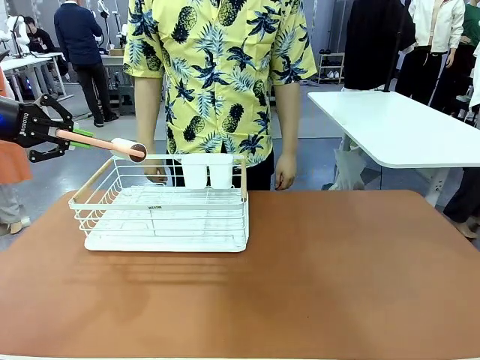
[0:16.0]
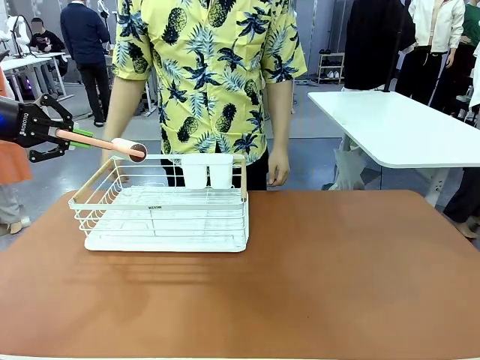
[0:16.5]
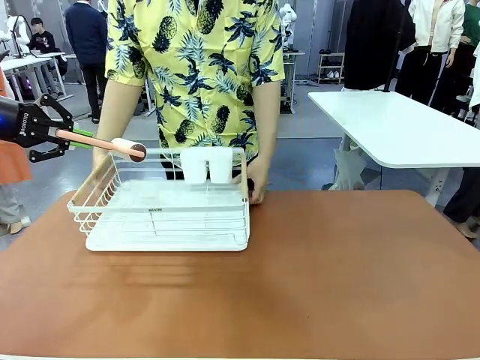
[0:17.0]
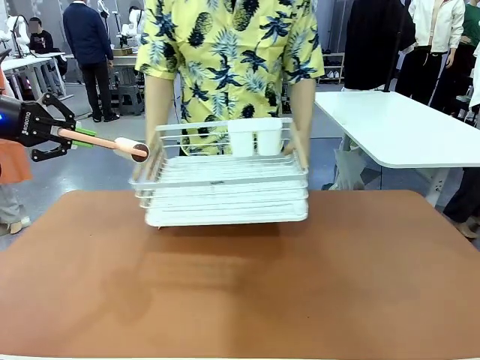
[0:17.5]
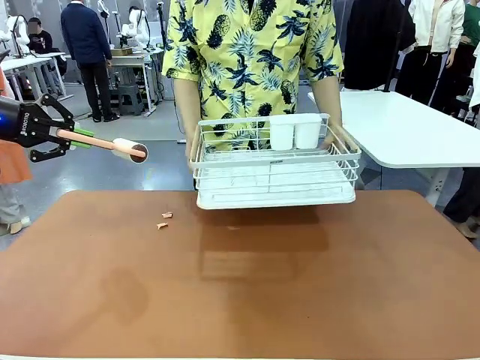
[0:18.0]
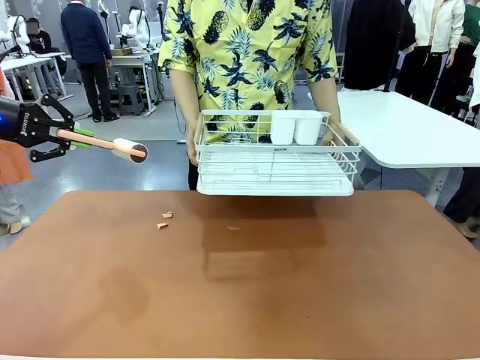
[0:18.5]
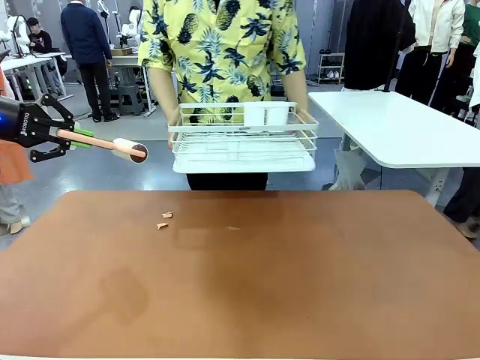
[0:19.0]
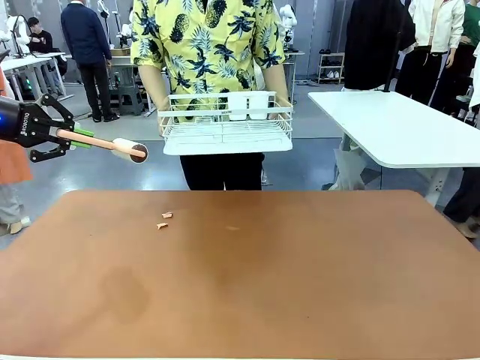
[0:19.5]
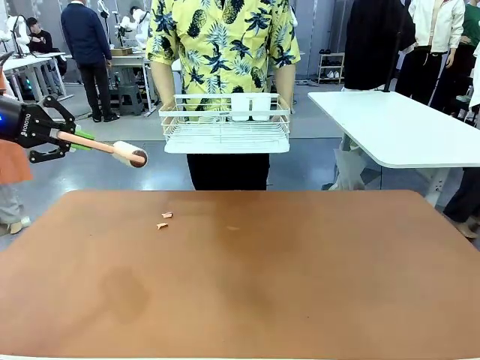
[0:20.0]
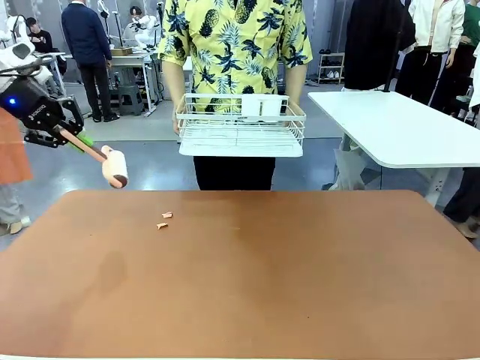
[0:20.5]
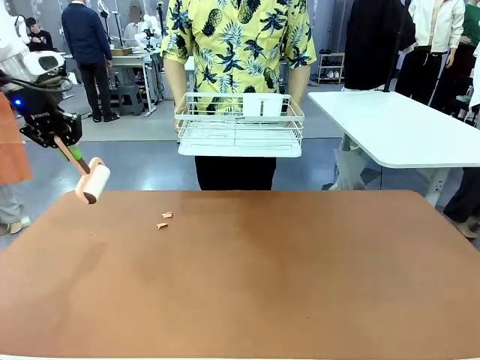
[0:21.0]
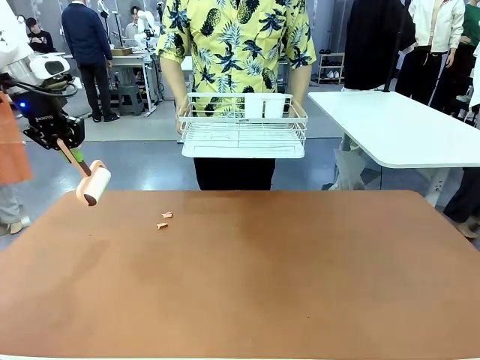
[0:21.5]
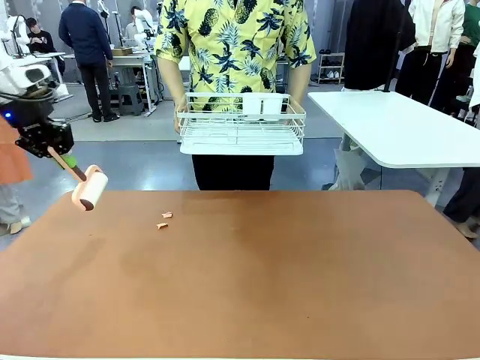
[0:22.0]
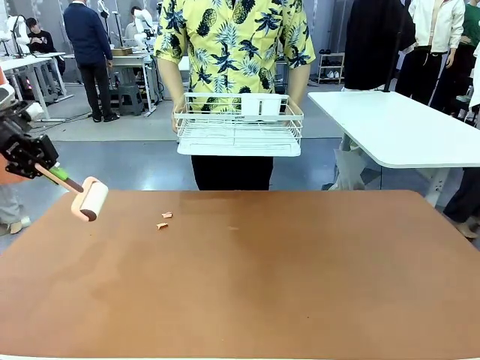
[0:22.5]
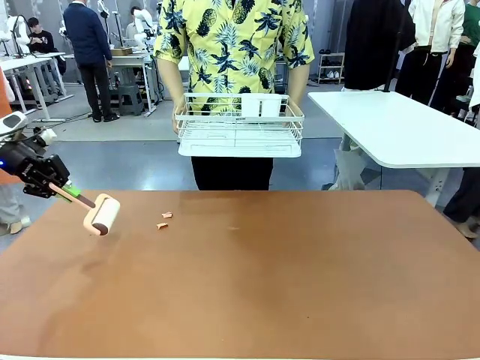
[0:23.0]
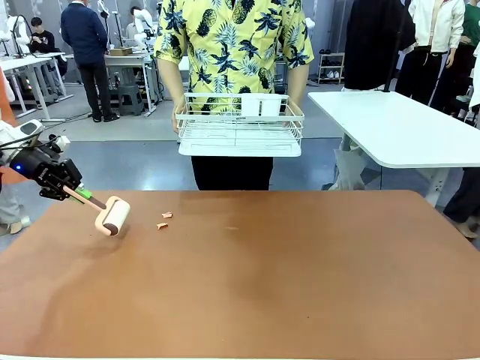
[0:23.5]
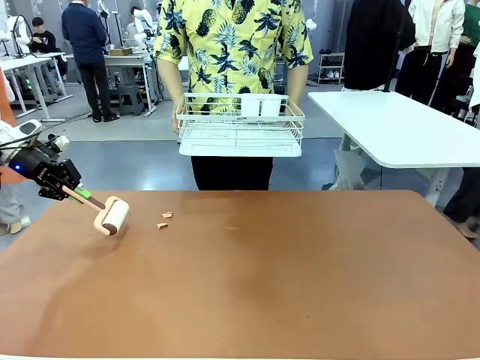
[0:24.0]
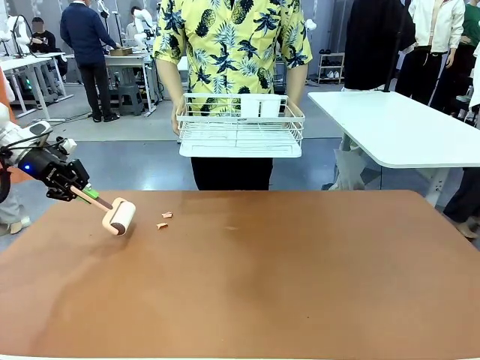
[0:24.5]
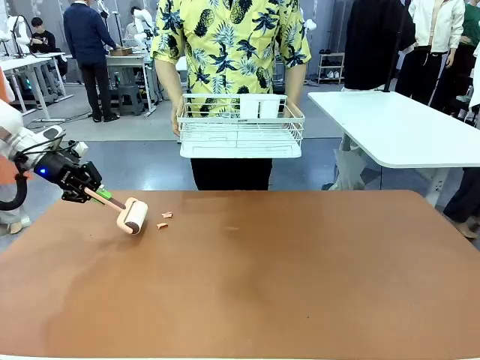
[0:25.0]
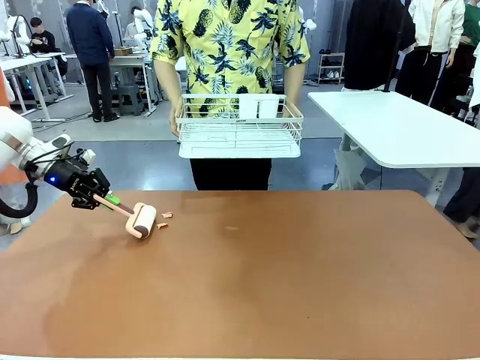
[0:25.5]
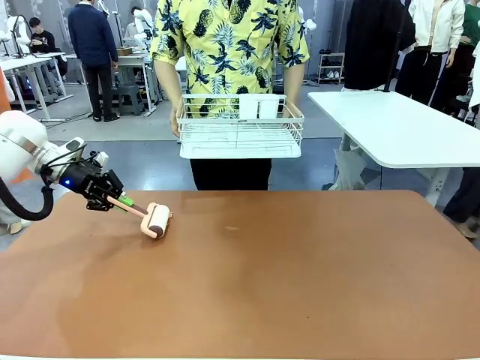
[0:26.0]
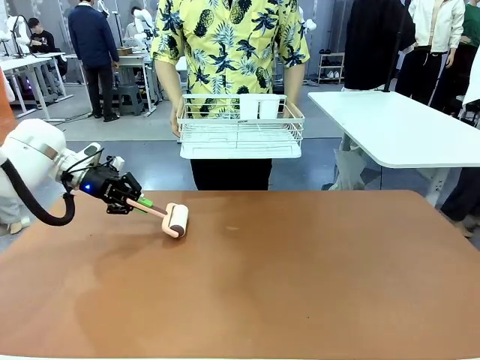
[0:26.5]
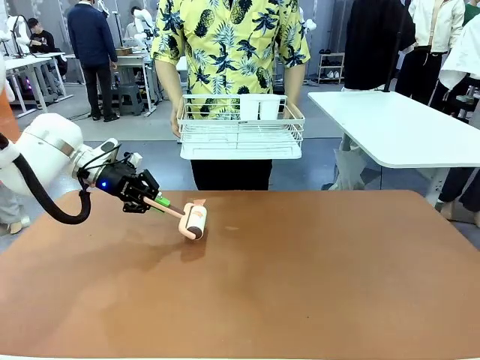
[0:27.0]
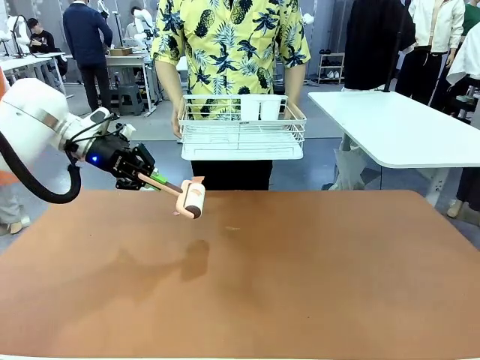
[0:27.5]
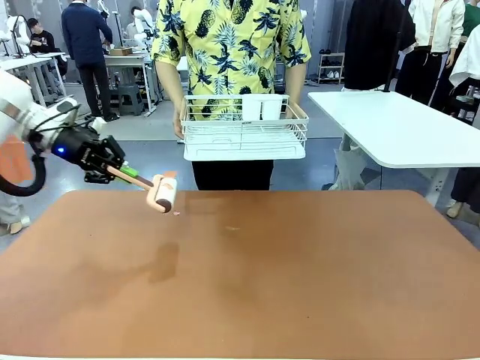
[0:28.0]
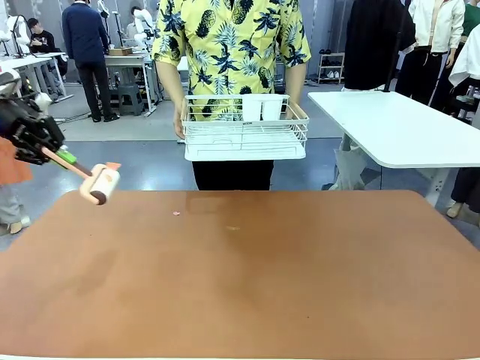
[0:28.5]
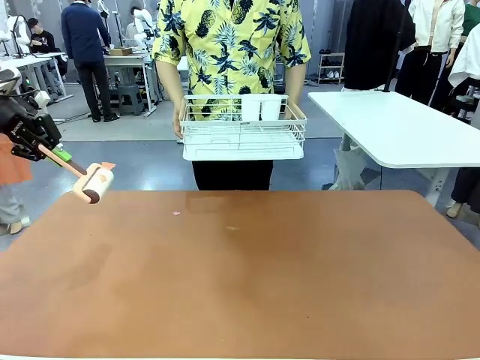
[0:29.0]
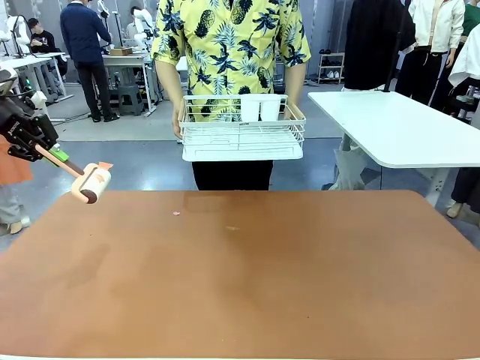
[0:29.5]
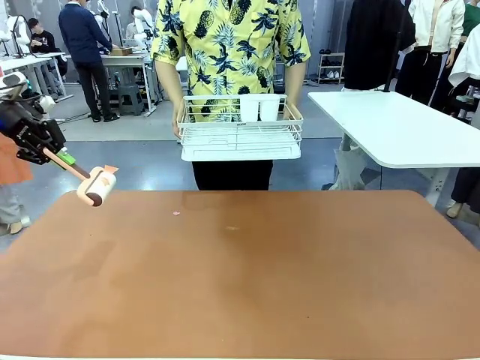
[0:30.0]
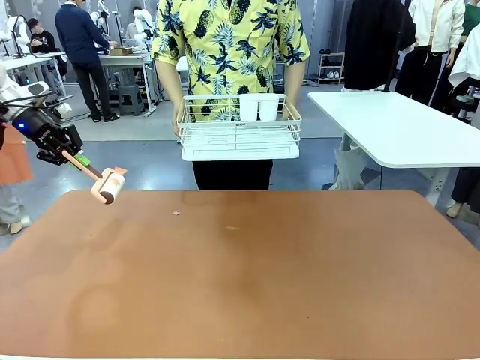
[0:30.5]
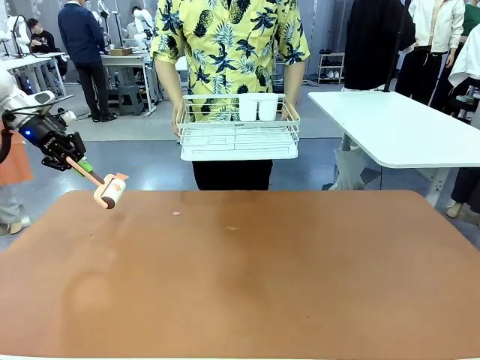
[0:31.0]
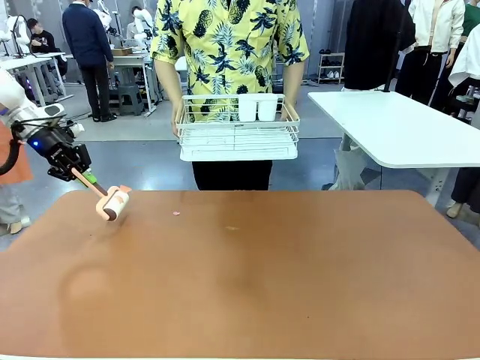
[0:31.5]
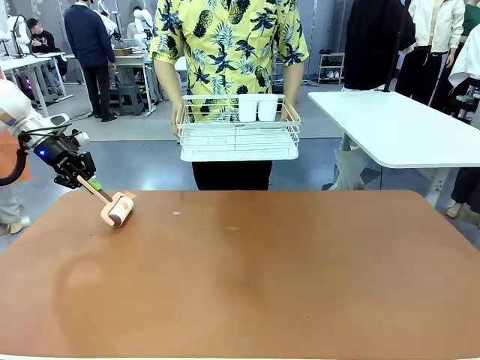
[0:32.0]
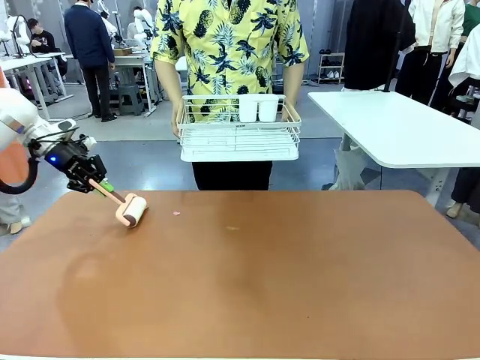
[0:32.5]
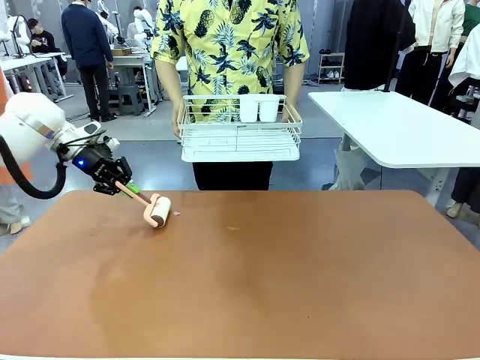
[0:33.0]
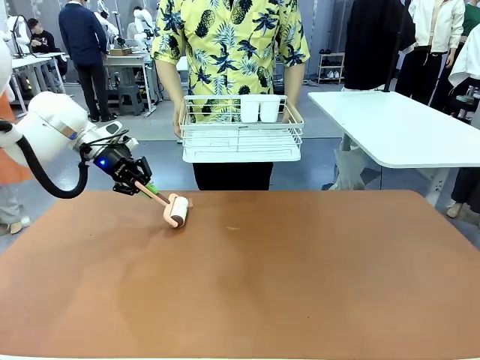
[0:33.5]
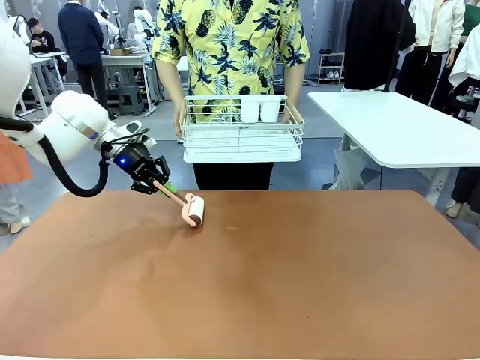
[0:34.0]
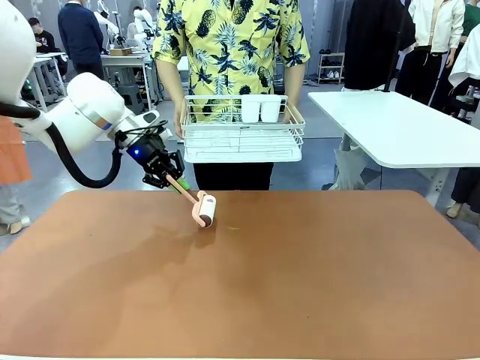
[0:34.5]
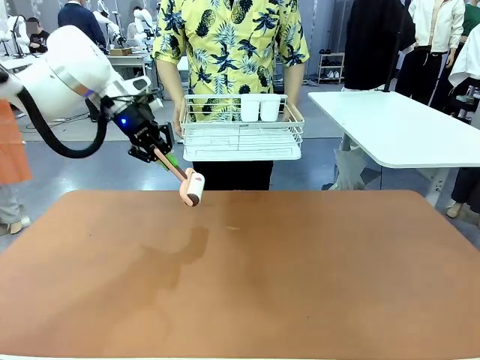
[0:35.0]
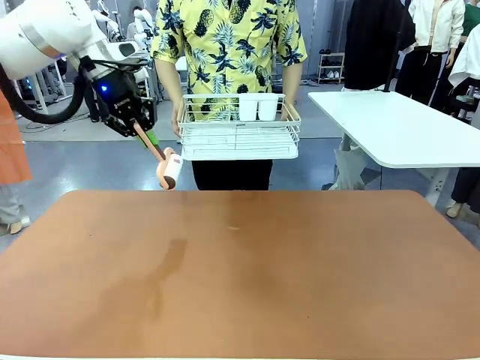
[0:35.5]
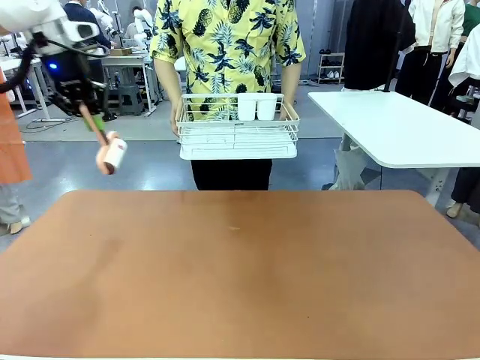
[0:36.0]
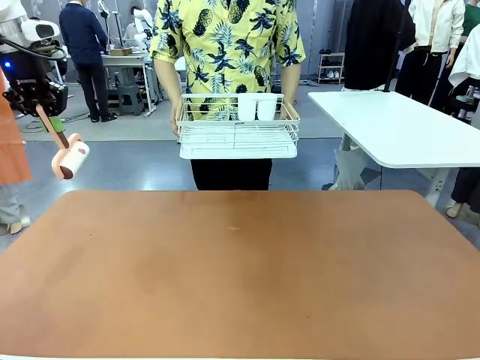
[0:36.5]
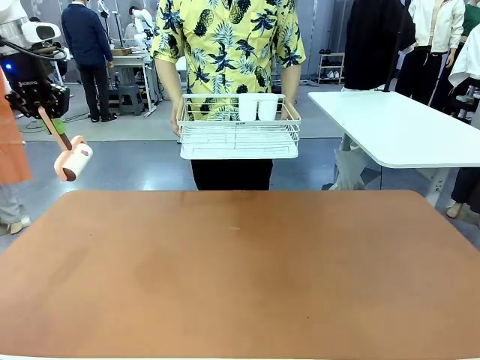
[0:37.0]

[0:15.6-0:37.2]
Task: Clean the table.
Robot: Clean the table with the Lint Roller when the human lifts the Dish drying rack.
Person: Place the Dish drying rack down when the robot finishes cleaning.
